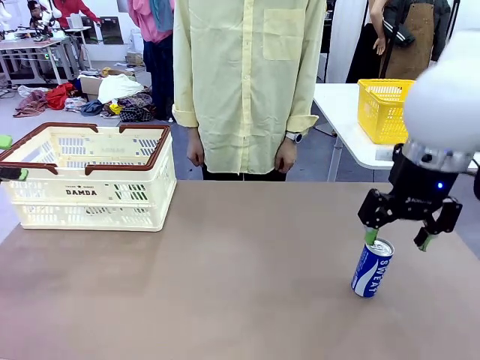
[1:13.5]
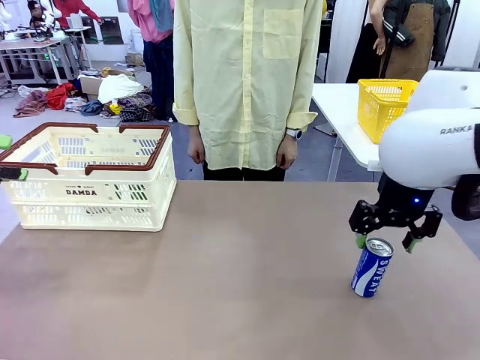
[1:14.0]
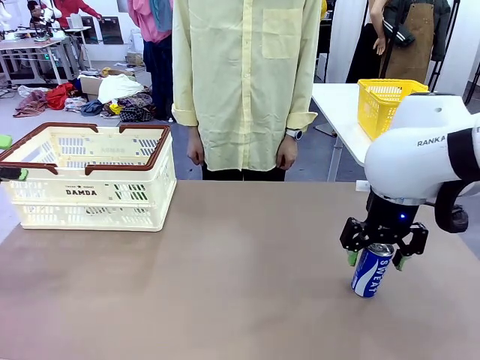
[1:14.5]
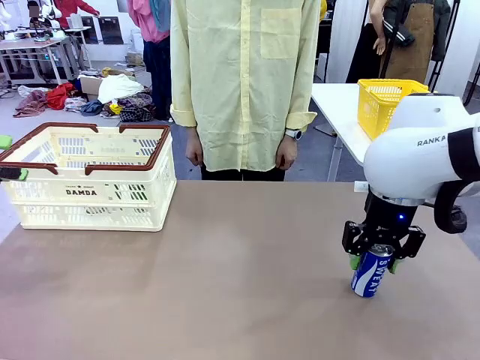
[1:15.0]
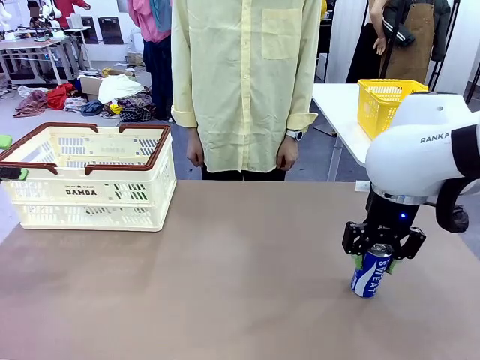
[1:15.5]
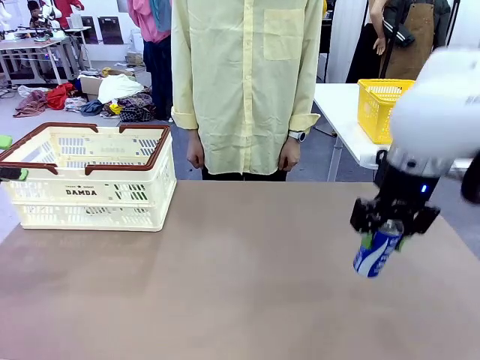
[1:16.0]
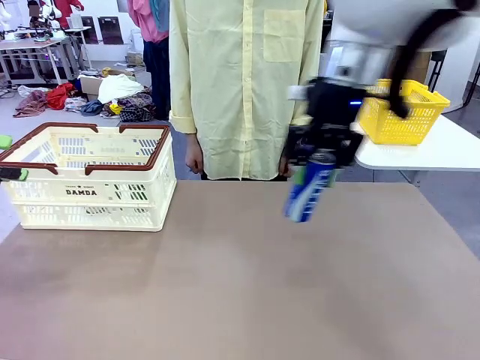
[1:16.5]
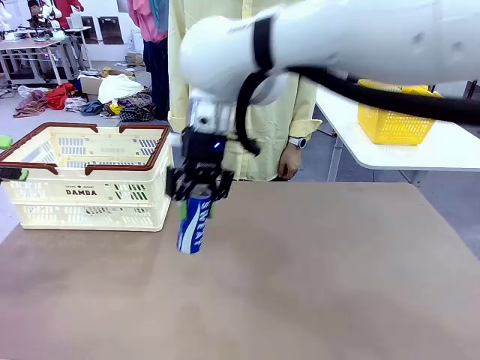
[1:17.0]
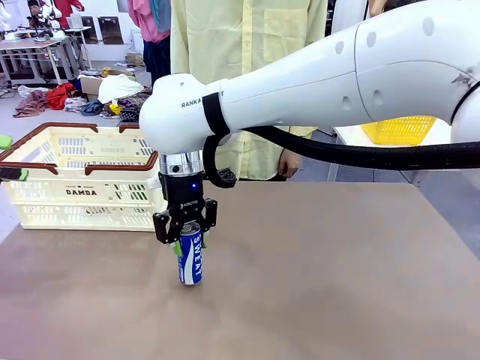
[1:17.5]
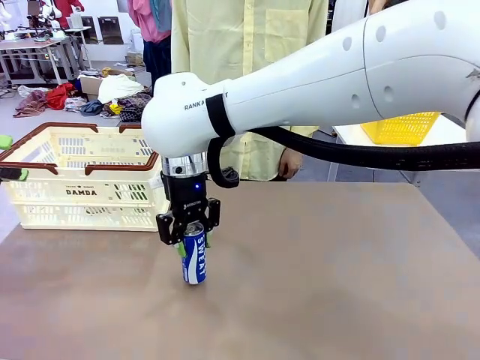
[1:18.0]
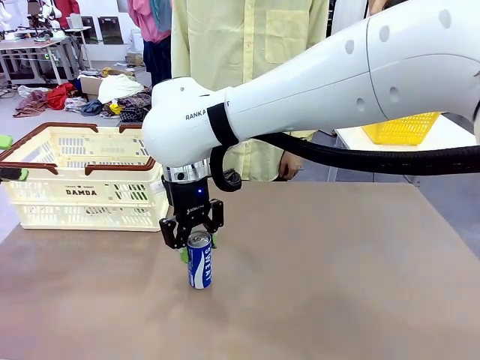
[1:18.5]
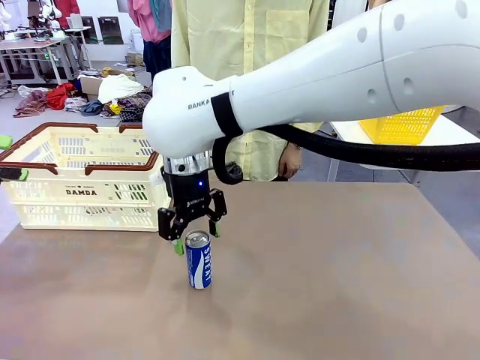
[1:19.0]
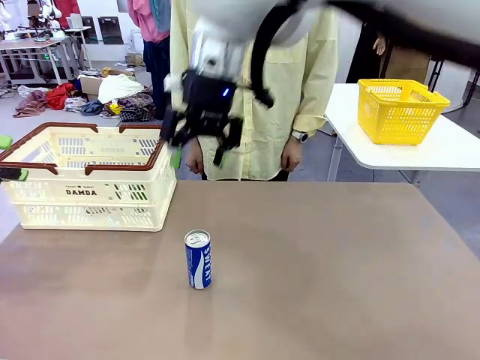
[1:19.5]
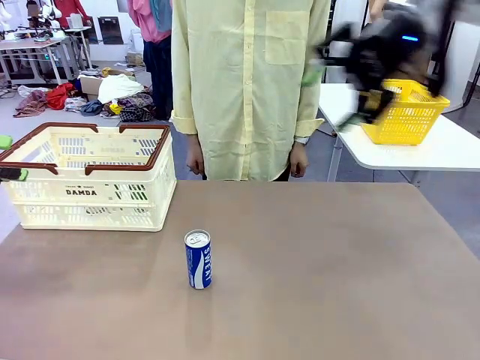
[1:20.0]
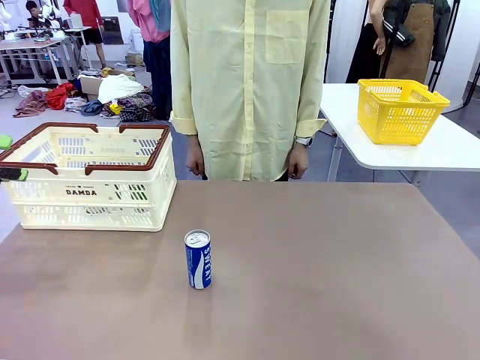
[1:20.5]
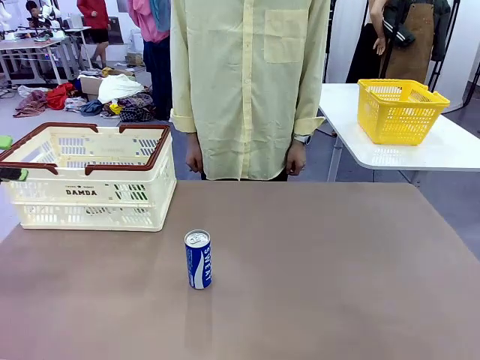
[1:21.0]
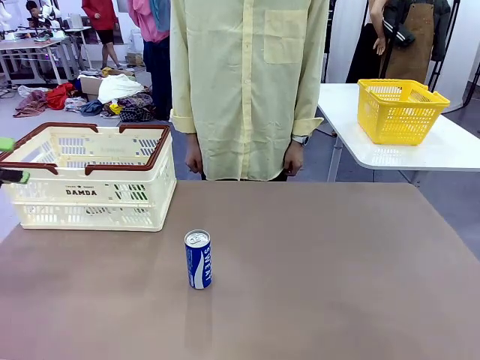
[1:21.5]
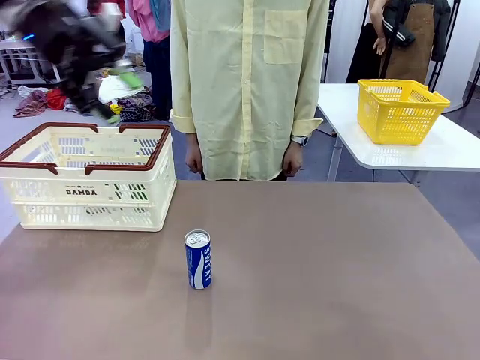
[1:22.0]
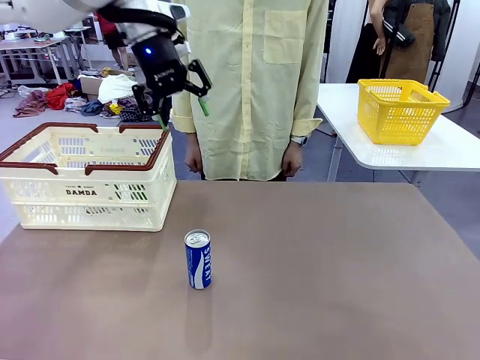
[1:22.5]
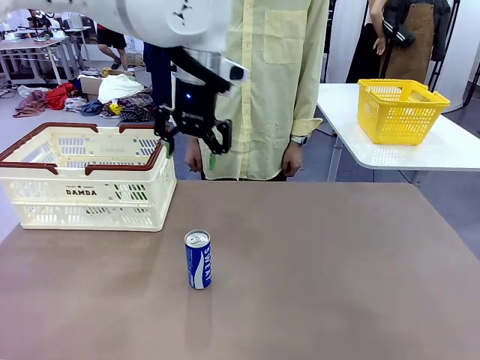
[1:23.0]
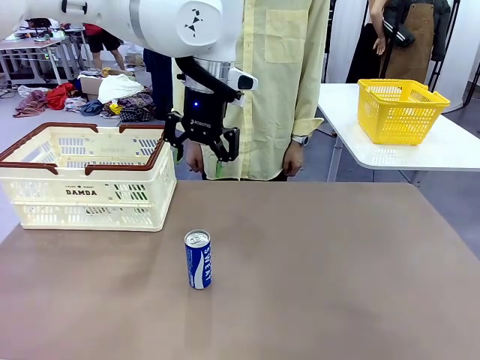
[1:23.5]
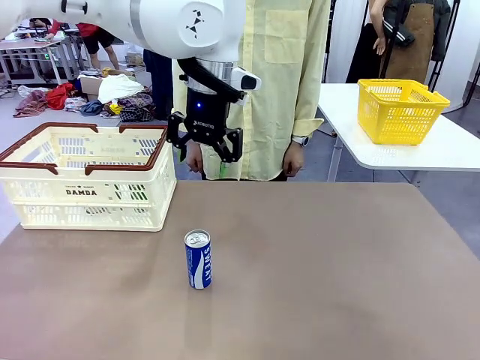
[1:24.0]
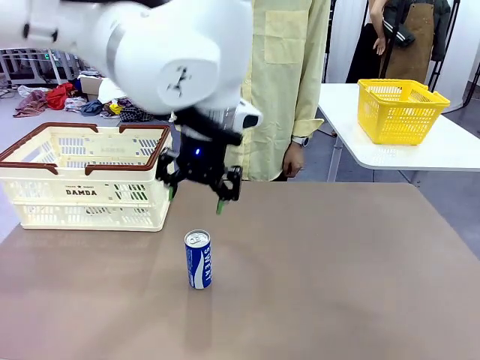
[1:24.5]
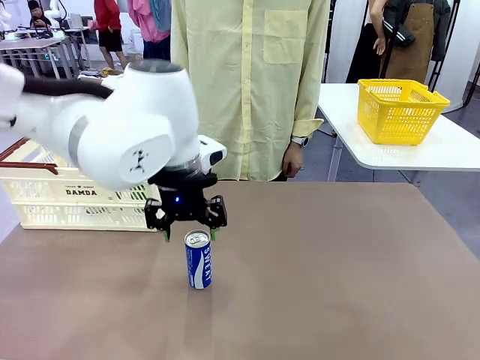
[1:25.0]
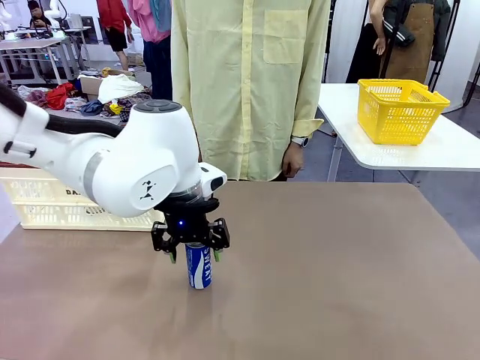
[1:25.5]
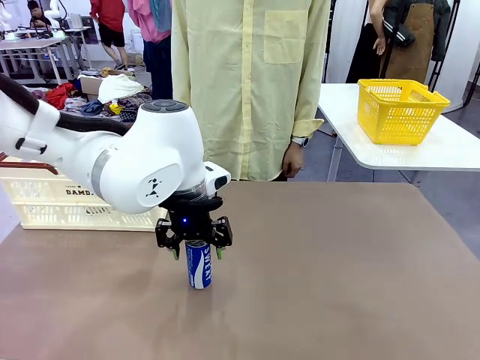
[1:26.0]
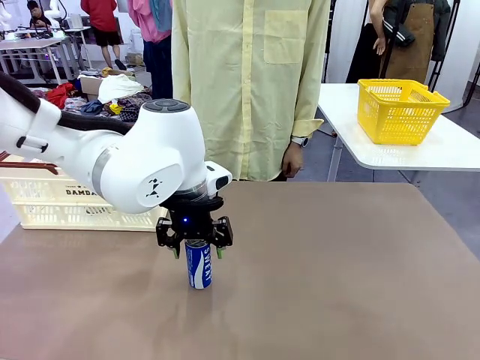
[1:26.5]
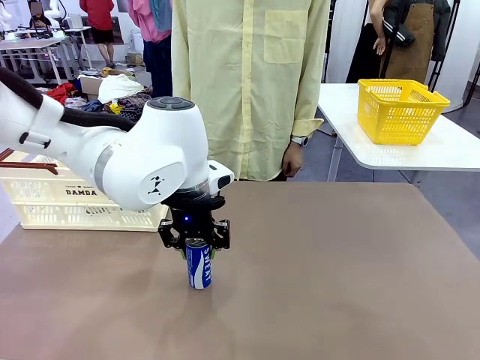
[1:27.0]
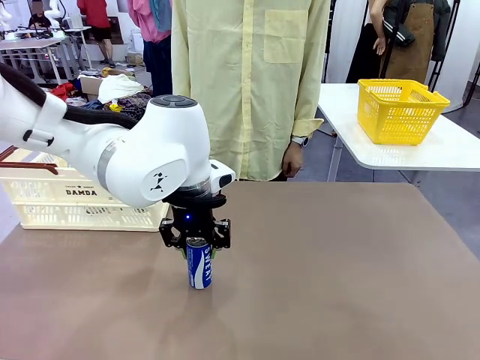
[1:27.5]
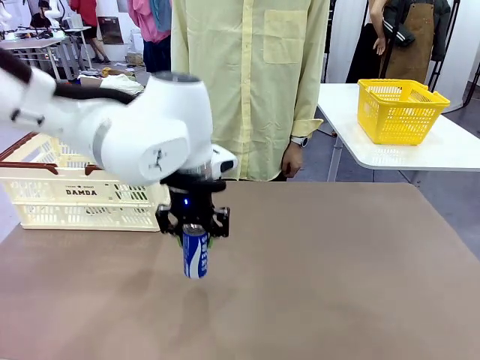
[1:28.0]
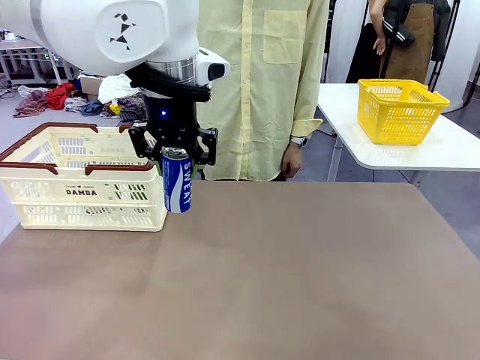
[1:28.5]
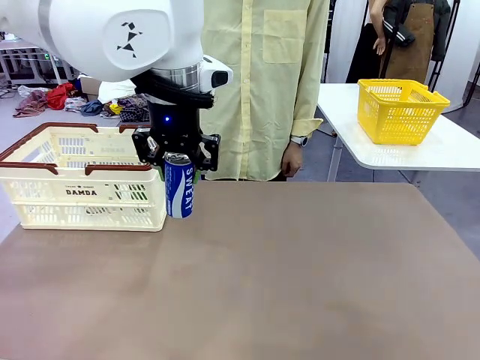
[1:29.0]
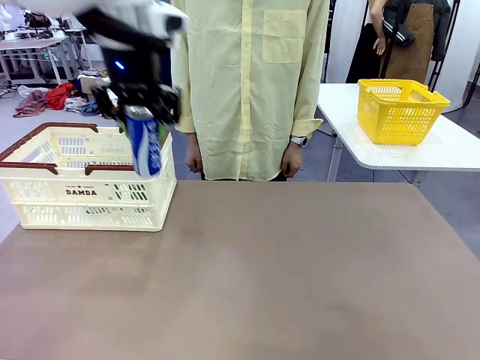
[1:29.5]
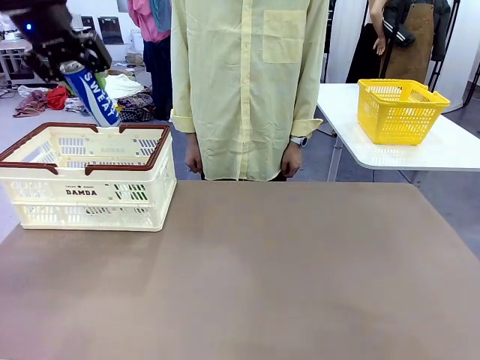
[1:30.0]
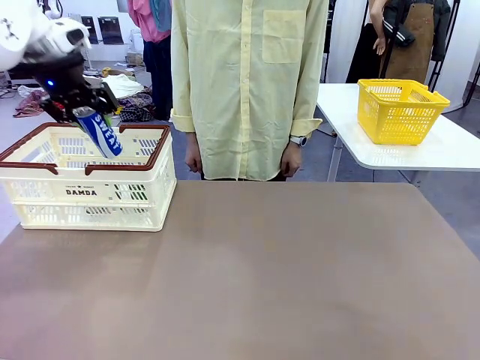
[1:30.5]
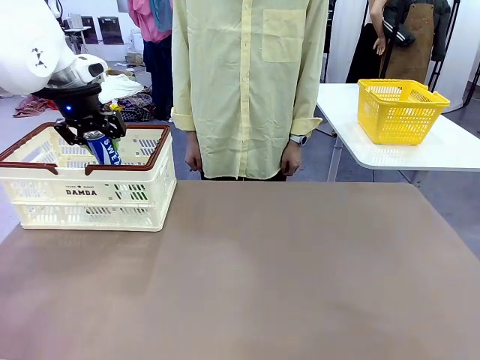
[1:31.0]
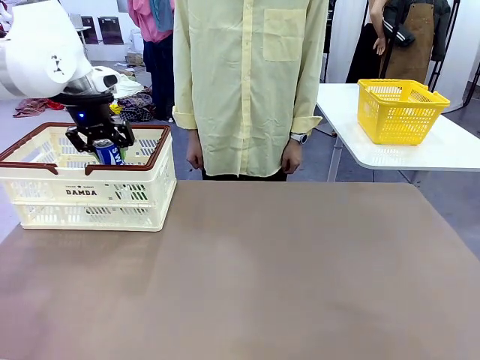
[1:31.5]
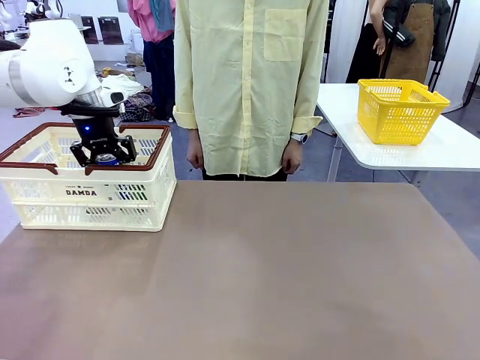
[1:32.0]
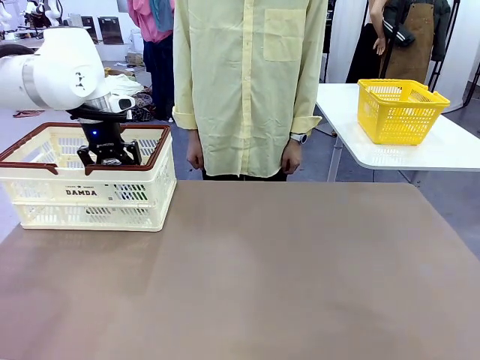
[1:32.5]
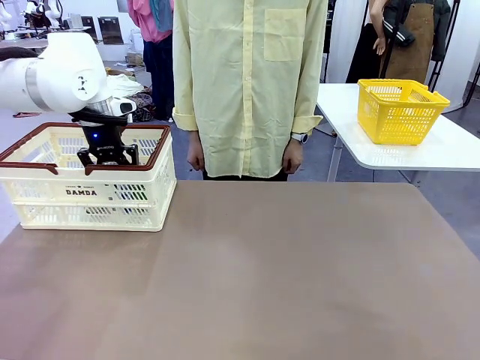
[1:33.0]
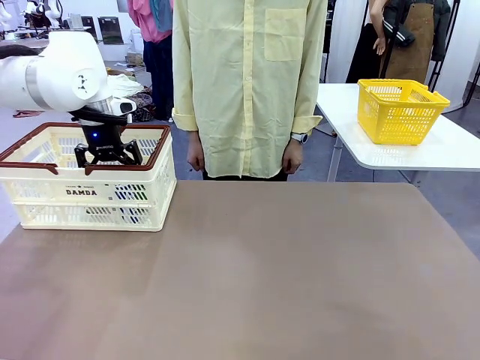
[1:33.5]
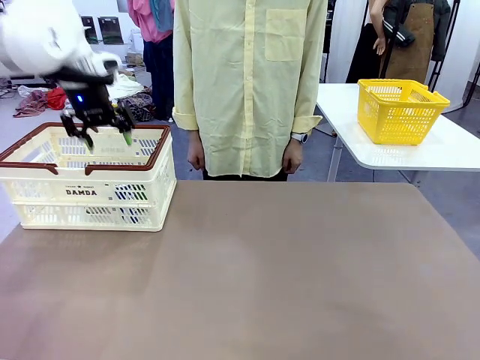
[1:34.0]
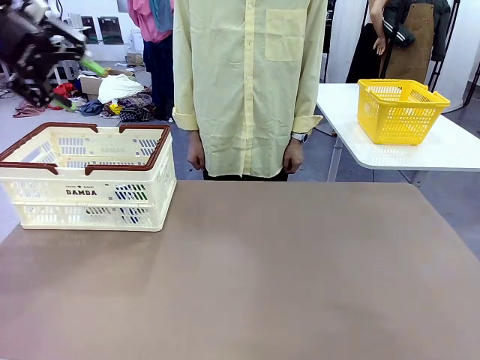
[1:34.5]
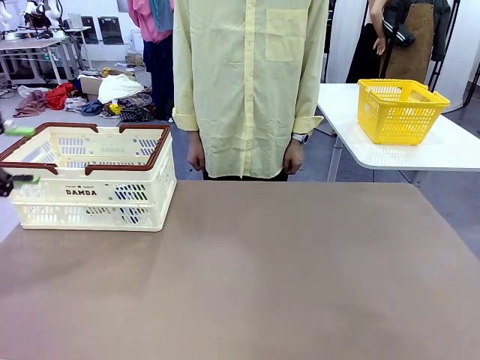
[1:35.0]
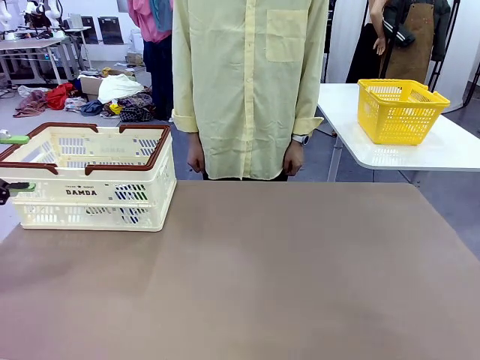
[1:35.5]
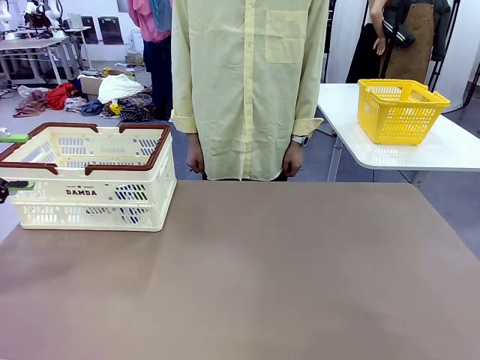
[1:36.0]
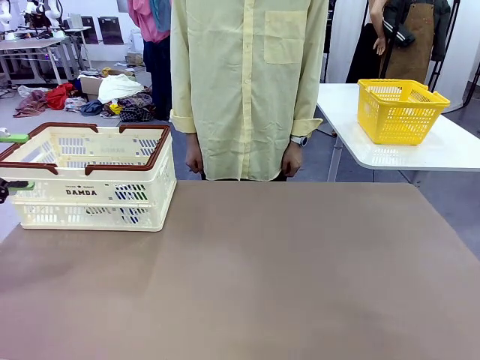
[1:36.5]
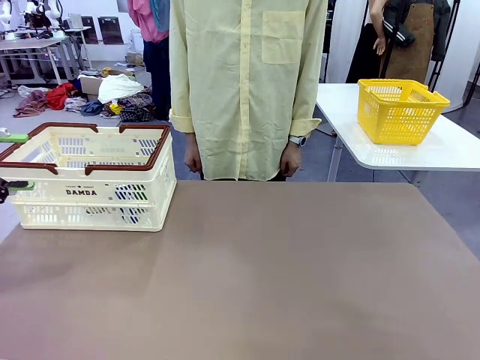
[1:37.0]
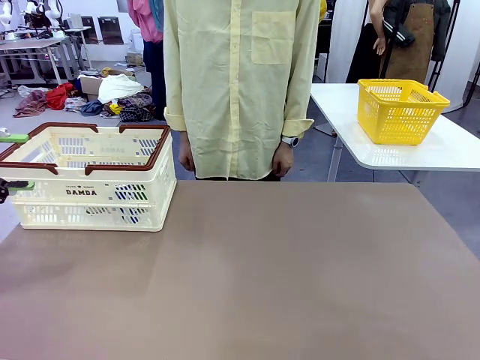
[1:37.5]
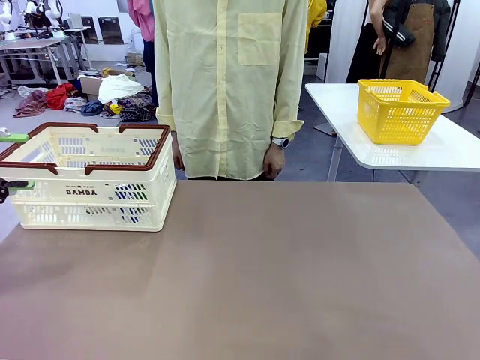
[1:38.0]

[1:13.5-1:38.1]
Task: Place the drinks into the Shopping basket.
Robot: Pick up one drink and place it into the Shopping basket.
